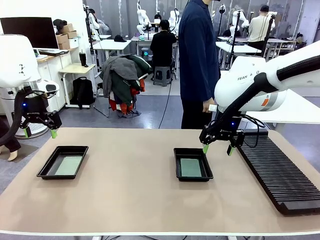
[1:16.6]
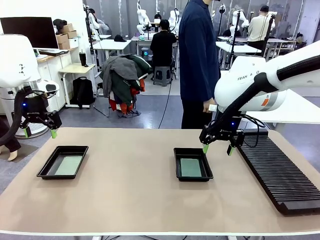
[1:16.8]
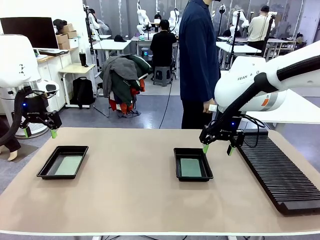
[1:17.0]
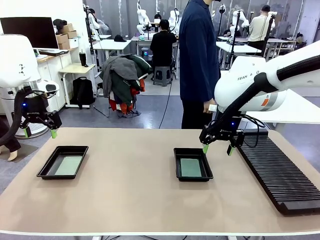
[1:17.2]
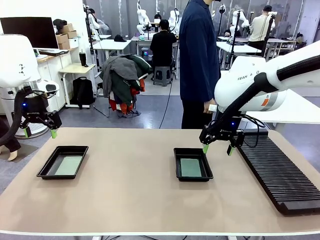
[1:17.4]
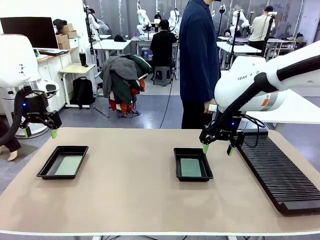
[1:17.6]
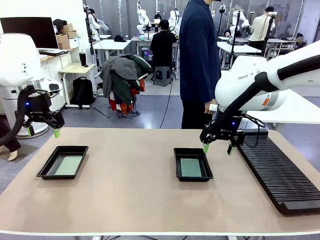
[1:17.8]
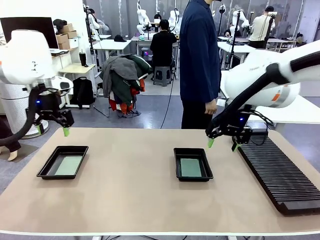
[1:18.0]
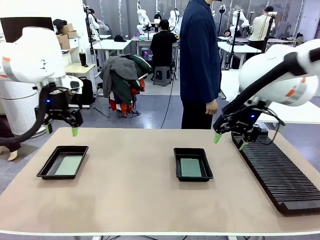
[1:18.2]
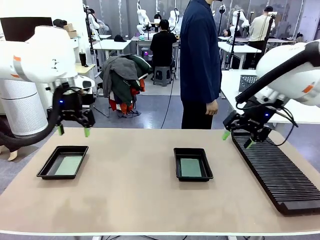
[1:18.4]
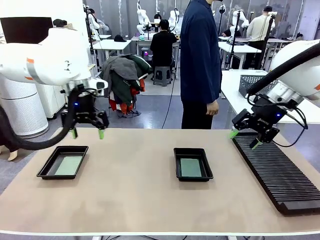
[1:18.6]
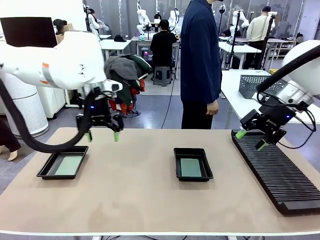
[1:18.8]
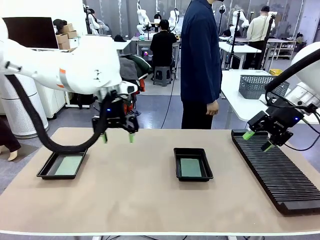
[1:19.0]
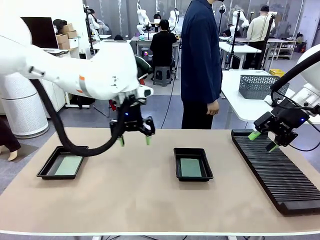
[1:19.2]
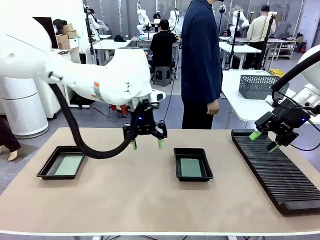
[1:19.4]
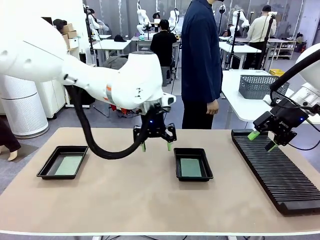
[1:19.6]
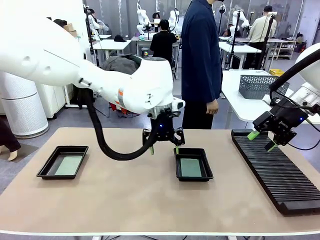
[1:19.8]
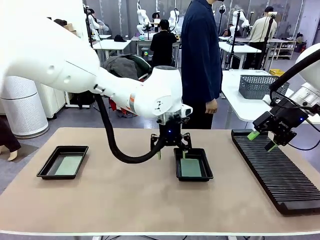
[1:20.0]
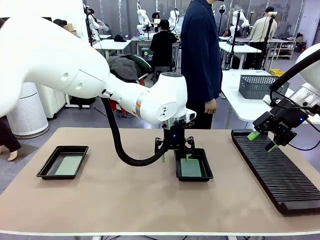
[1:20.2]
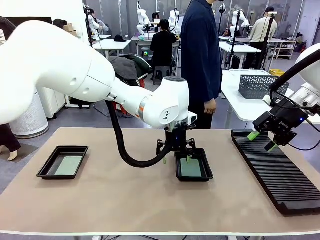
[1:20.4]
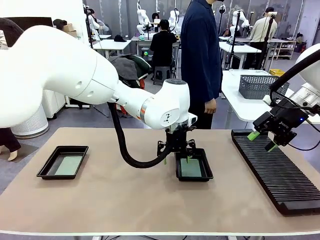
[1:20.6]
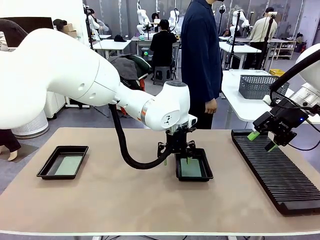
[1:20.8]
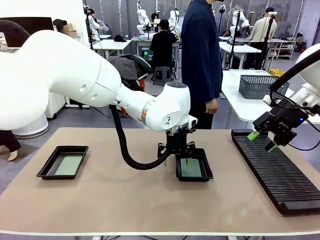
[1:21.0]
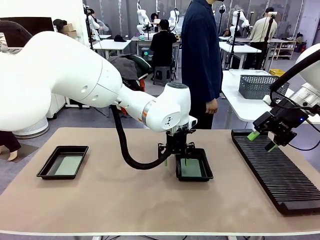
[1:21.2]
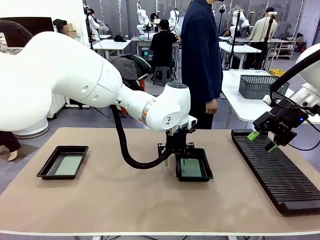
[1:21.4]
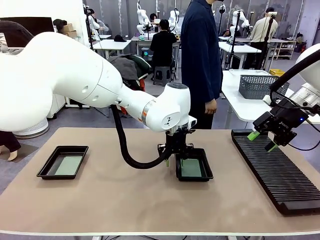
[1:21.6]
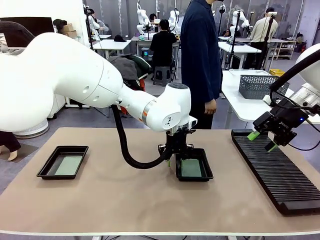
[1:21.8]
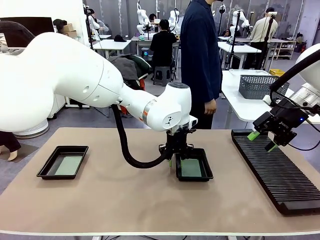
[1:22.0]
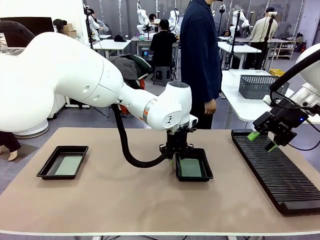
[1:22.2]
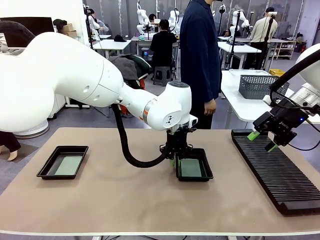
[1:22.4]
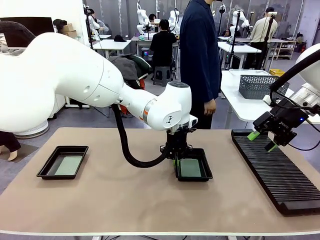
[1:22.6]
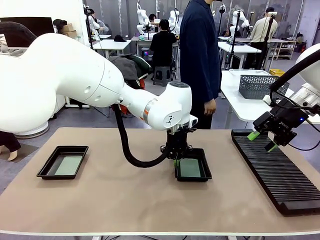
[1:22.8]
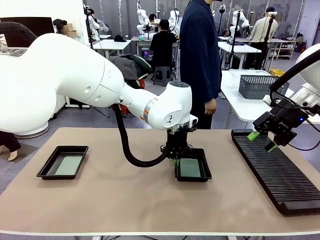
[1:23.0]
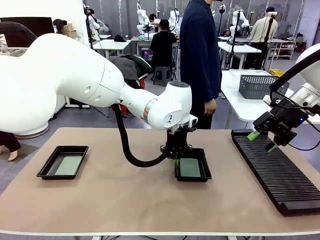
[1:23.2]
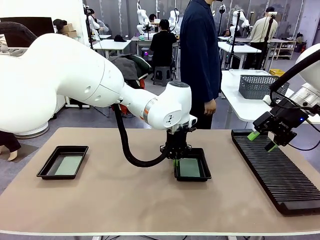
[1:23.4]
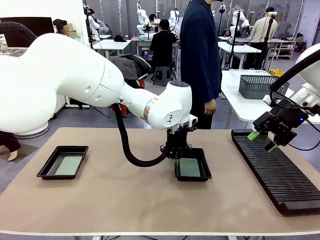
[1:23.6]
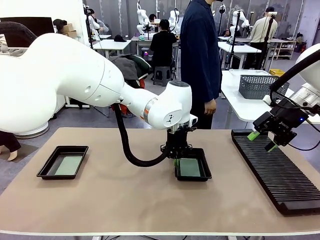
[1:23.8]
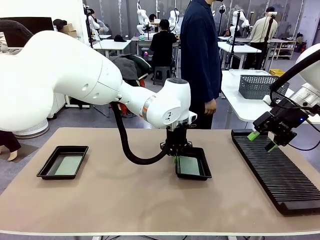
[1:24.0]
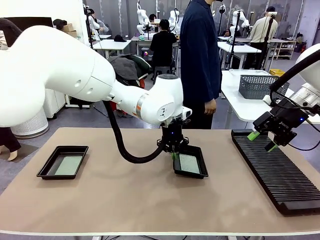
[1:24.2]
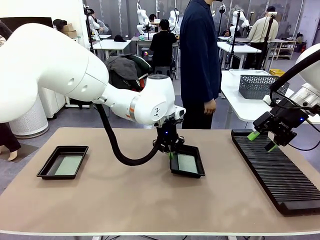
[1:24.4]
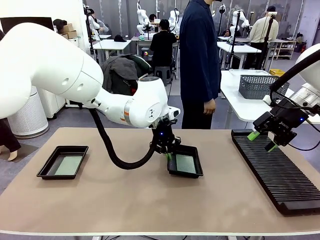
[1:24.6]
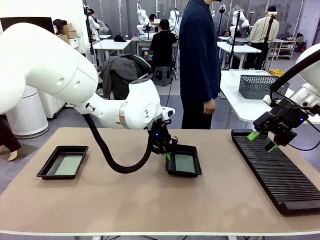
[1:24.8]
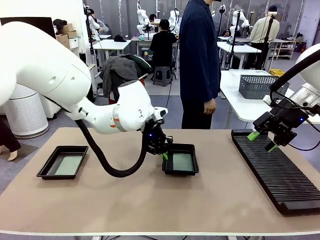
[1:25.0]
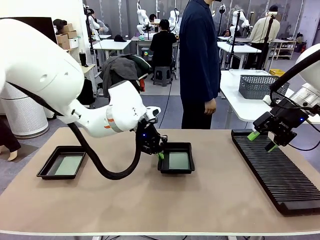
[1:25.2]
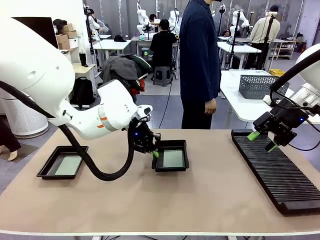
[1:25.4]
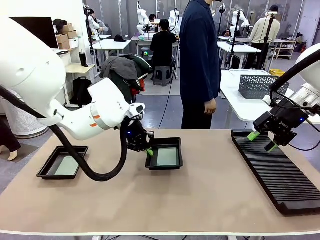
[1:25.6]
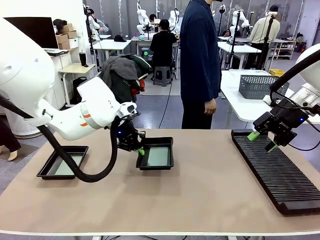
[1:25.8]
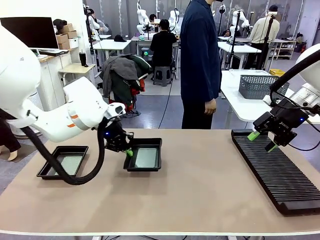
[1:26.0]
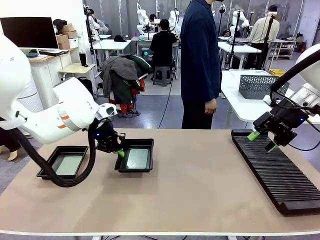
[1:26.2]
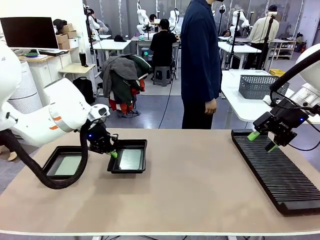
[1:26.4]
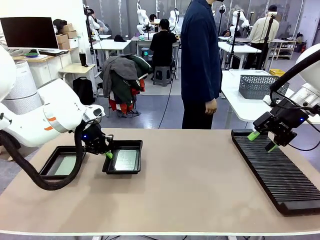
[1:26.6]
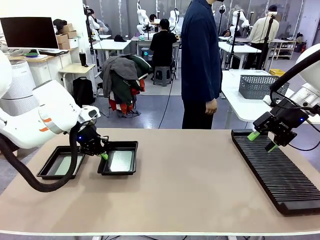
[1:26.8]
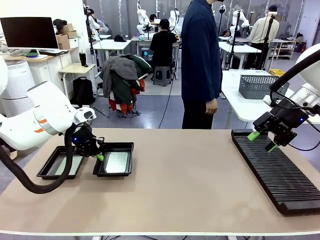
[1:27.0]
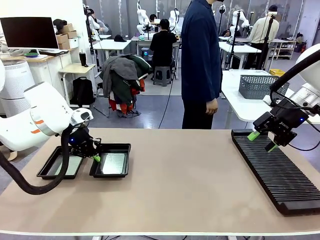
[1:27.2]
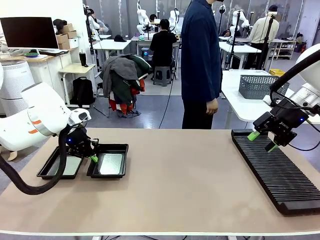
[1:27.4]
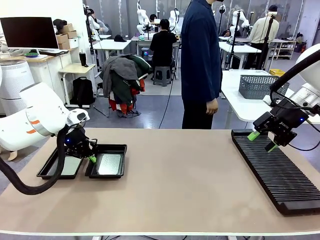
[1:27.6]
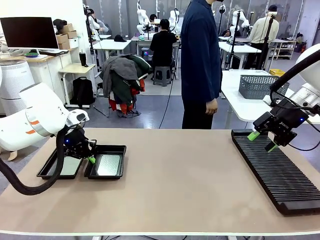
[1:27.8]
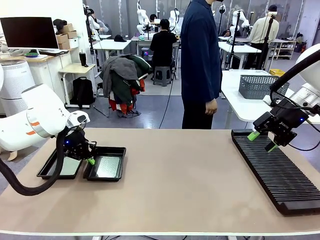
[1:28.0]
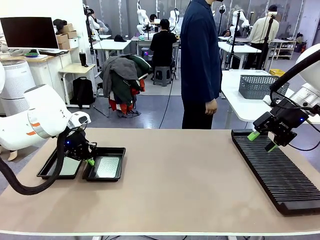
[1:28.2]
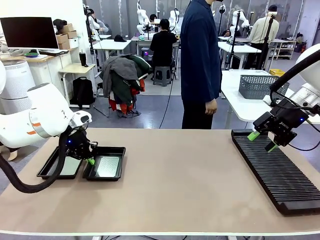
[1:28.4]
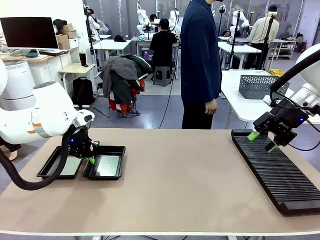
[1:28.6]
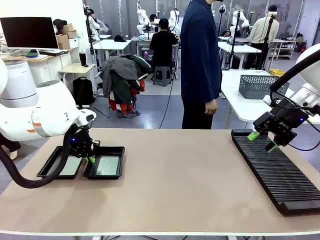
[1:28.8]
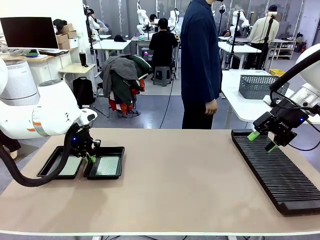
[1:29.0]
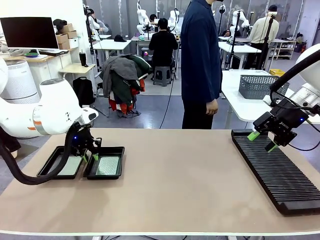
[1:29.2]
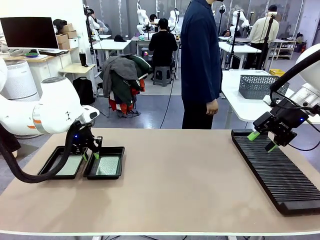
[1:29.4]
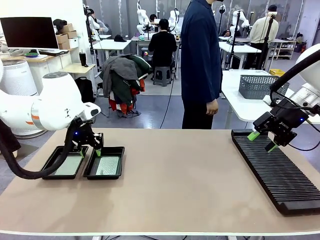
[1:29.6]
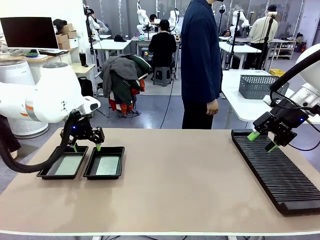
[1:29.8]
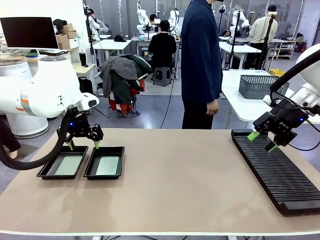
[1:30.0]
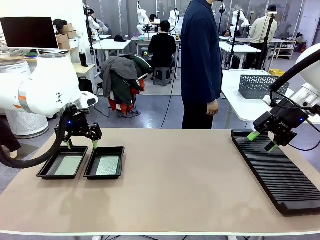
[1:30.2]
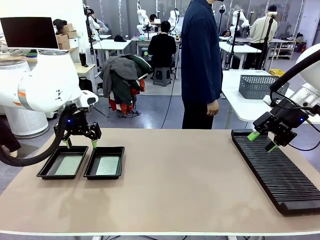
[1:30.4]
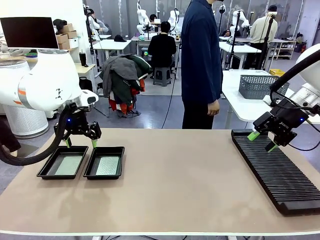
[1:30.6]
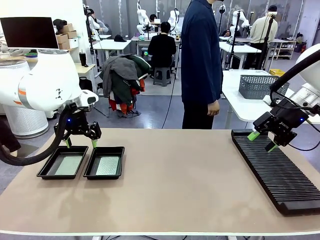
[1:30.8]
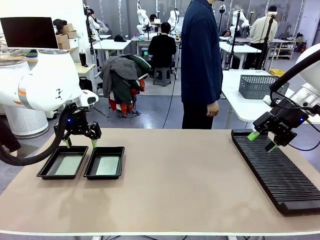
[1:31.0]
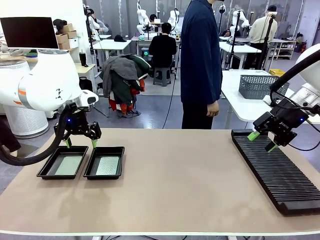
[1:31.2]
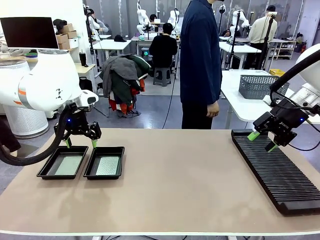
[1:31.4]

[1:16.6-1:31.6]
Task: Inspect and transfer BCBs to ESD trays.
Robot: Pick up the ESD tray and place it on the left side of the table.
